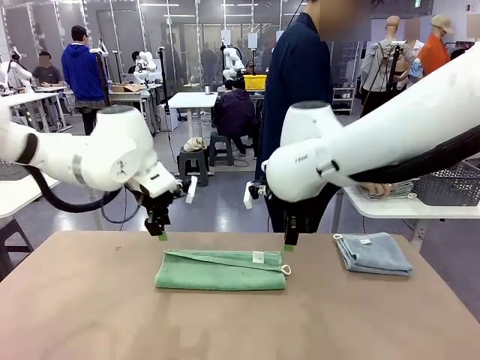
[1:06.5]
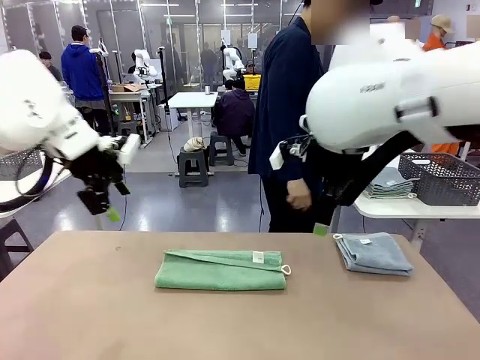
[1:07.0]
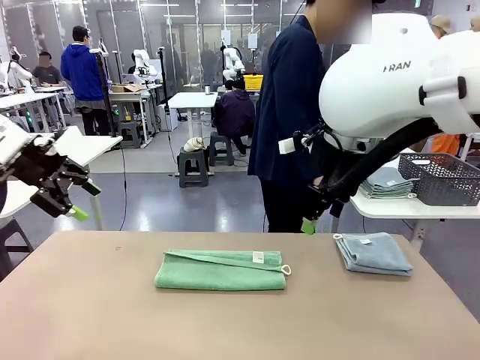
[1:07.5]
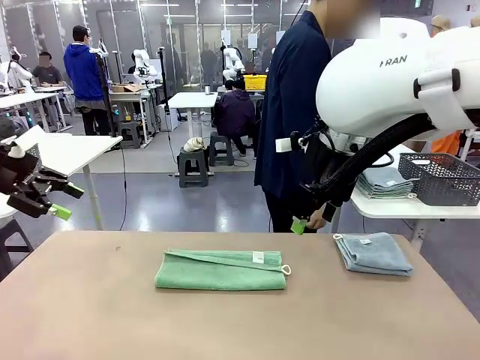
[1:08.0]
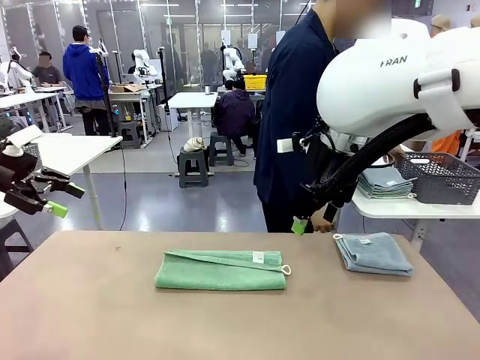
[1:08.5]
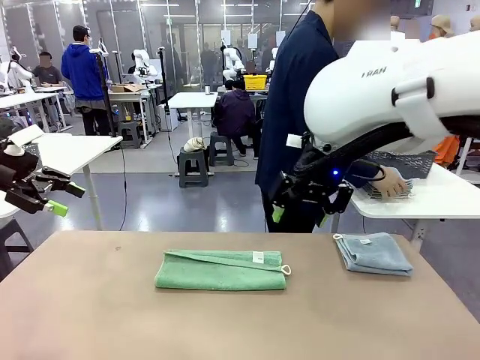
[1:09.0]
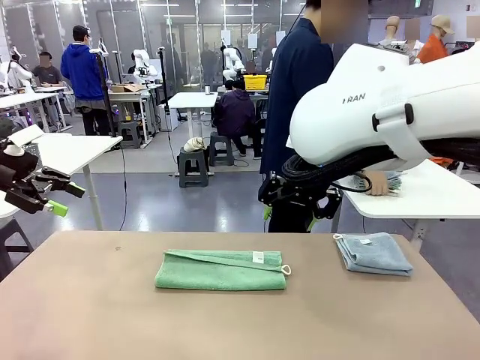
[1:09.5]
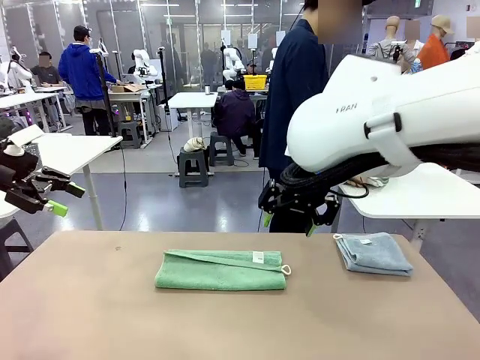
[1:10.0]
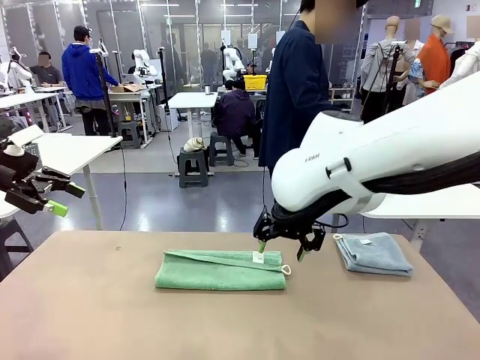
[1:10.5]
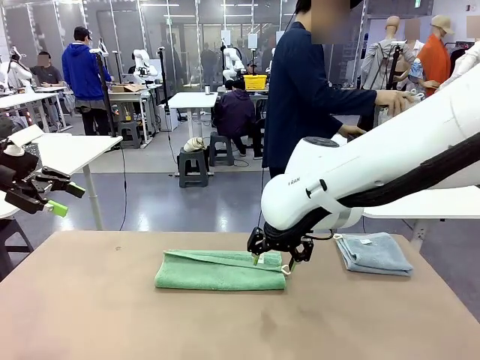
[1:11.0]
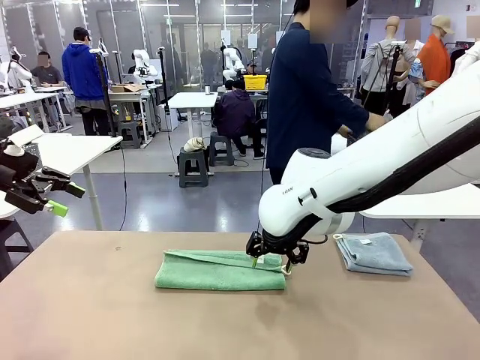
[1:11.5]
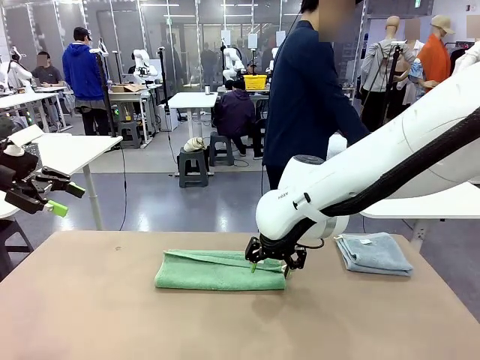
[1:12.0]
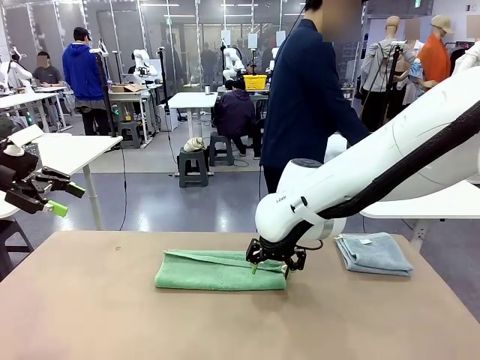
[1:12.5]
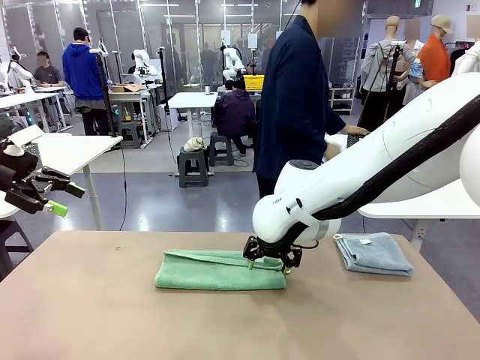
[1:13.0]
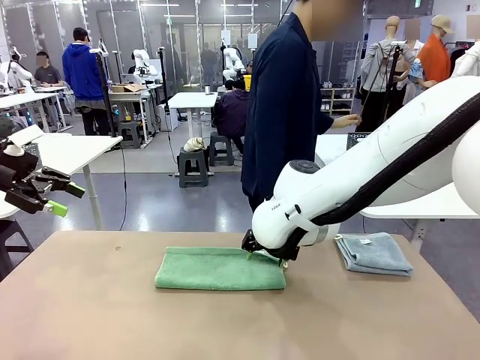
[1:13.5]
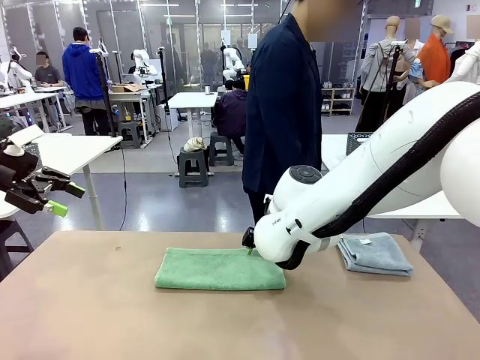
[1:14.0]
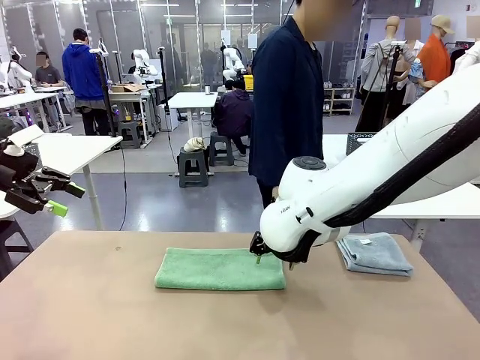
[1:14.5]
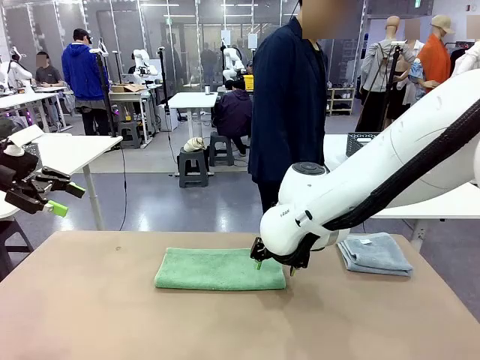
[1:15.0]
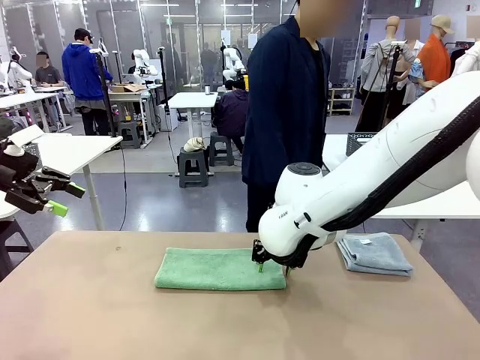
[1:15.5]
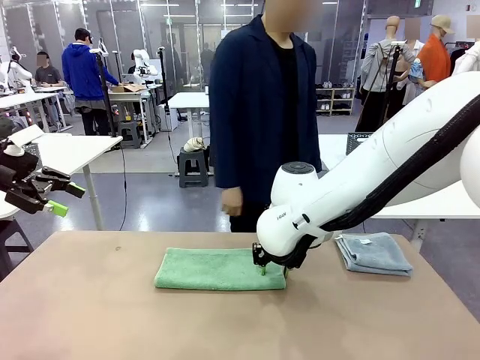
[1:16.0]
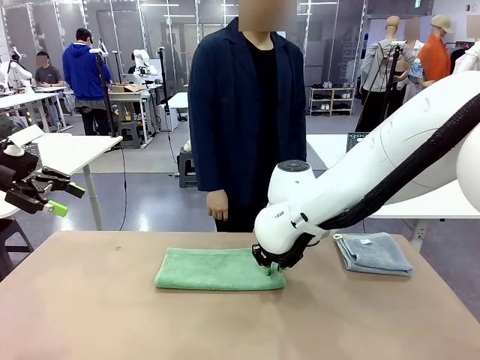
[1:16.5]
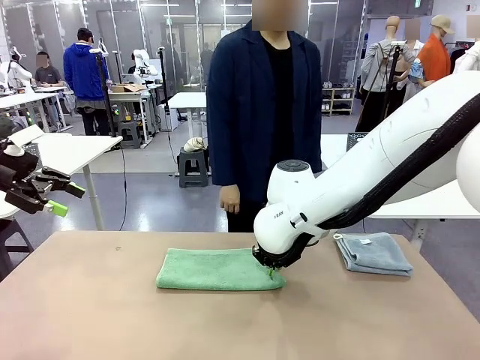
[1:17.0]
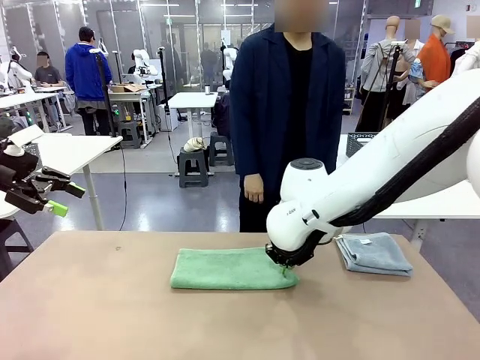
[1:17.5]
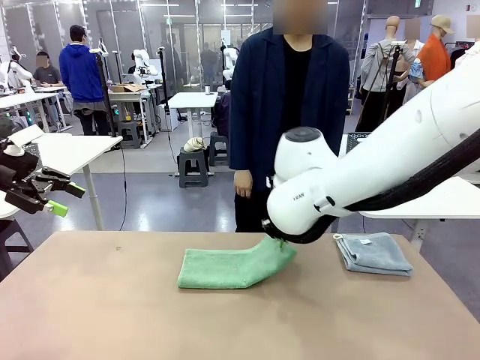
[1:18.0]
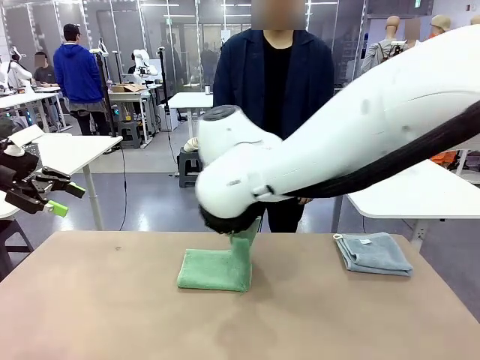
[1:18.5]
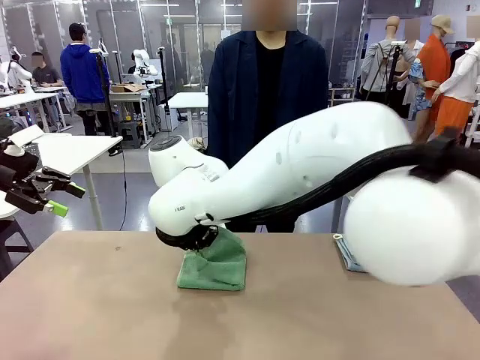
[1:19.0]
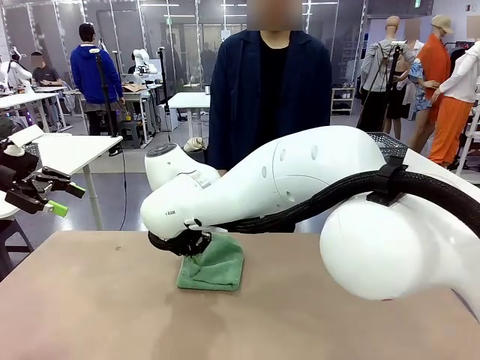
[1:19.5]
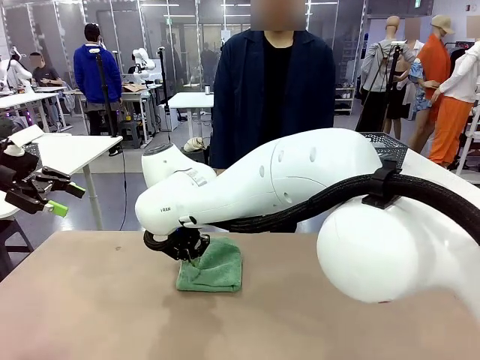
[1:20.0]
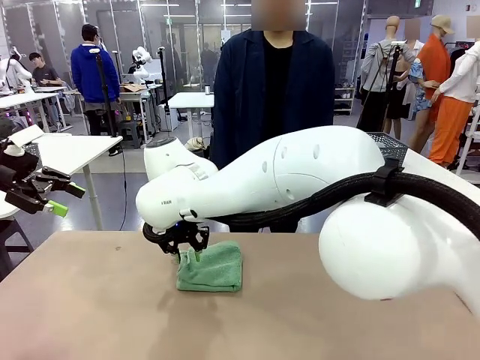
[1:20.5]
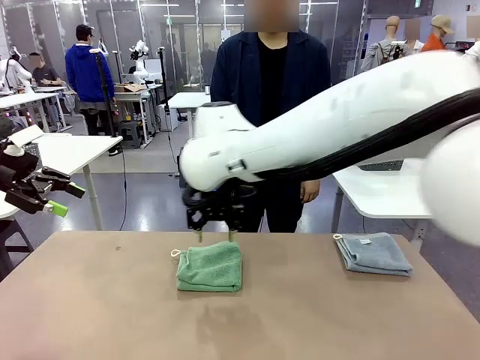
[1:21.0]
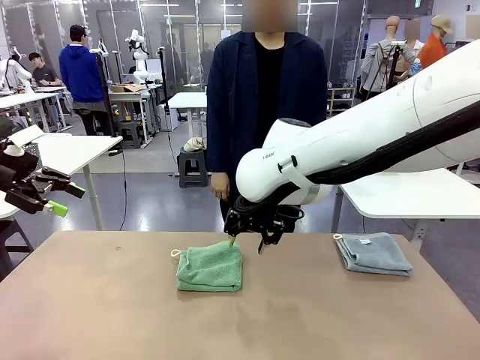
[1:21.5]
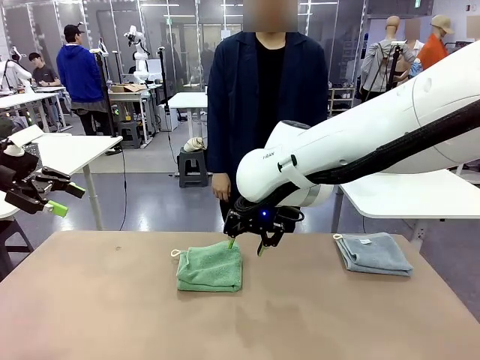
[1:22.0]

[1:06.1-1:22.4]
Task: Fold the towels and place them in the basket.
Robot: When a person lays out a Towel with hook on the table, fold it in half twice.
Person: Pick up the stack of towels from the right side of the human table, place it into the basket, and put the basket at the center of the table.
